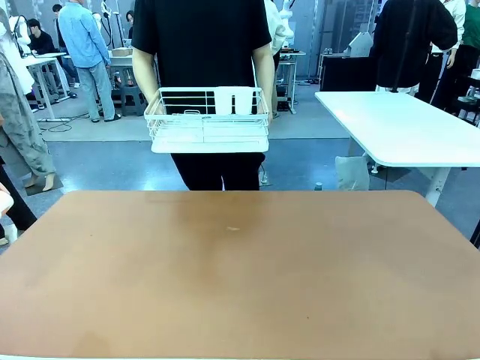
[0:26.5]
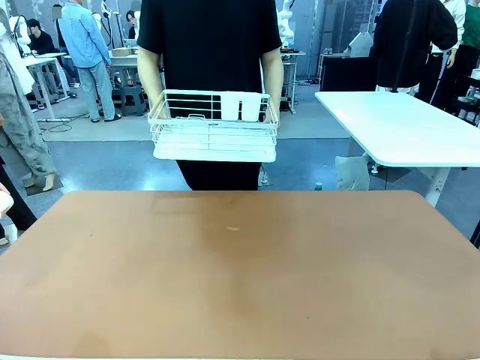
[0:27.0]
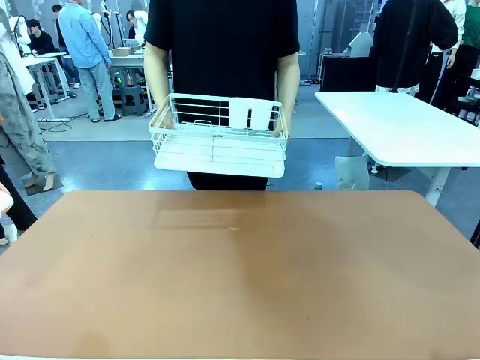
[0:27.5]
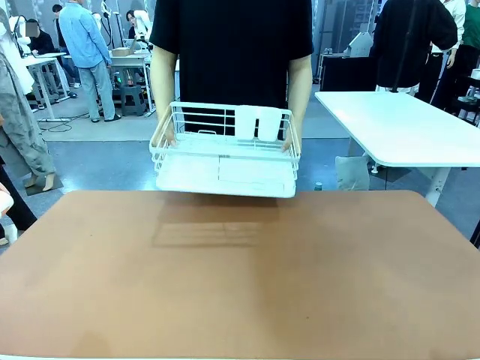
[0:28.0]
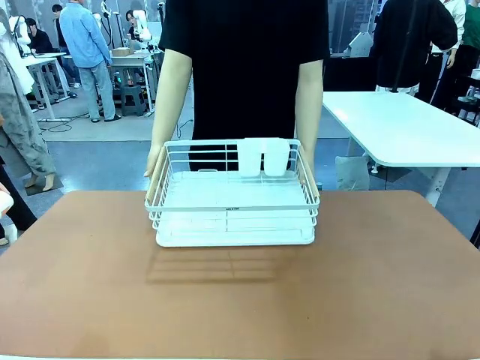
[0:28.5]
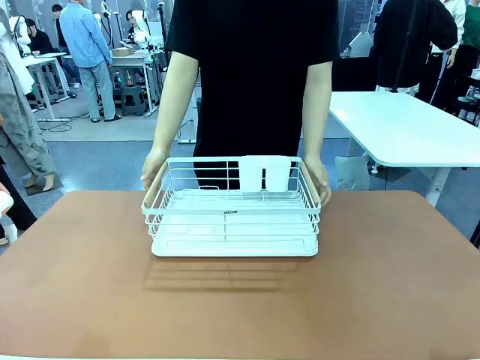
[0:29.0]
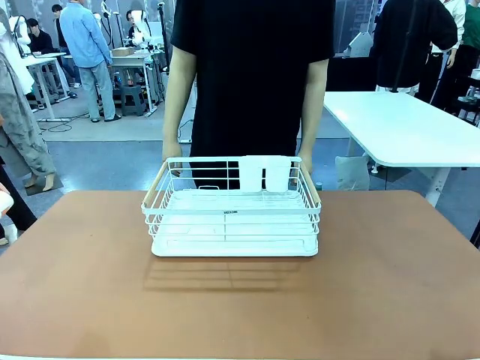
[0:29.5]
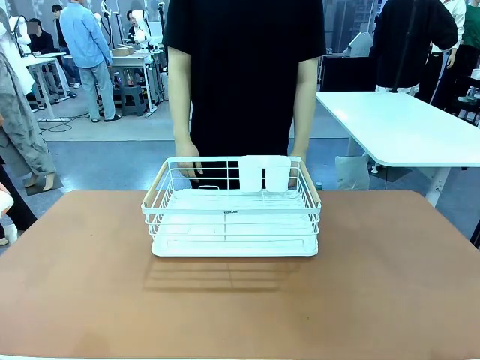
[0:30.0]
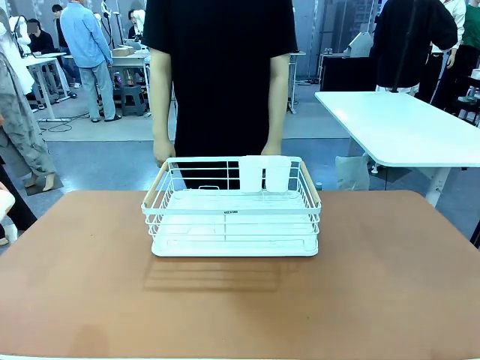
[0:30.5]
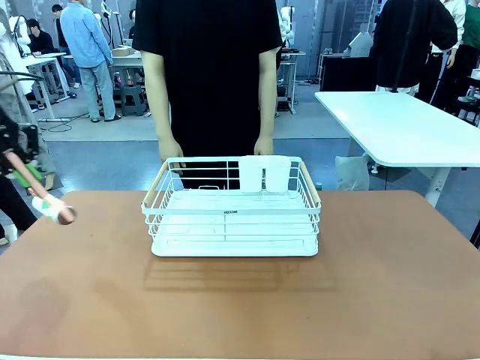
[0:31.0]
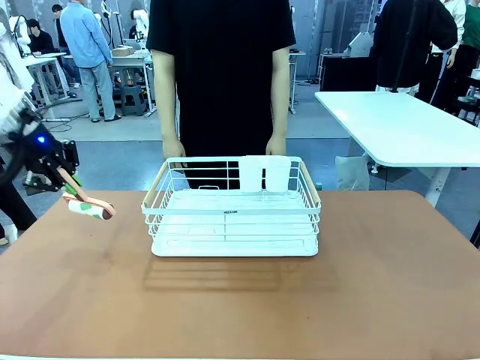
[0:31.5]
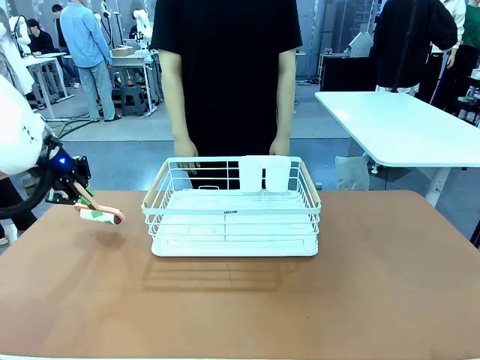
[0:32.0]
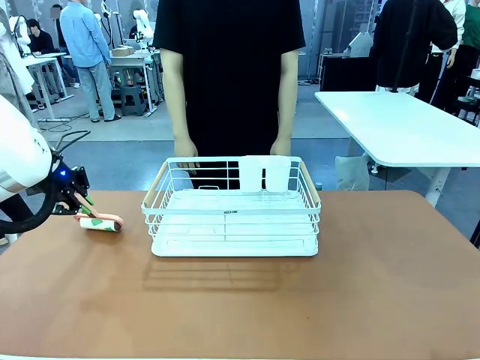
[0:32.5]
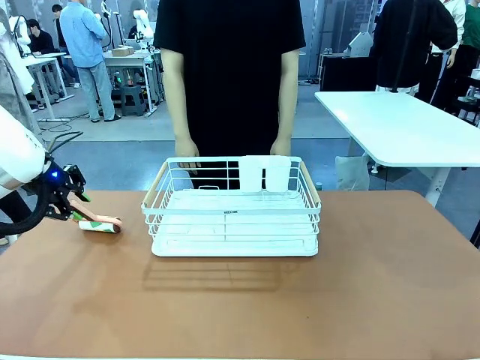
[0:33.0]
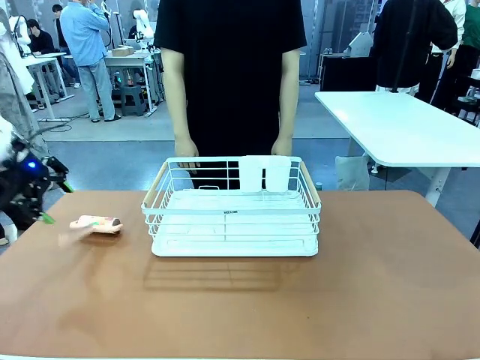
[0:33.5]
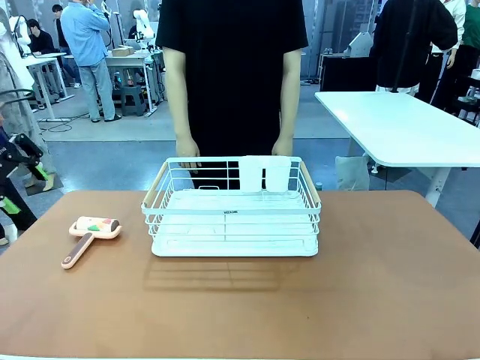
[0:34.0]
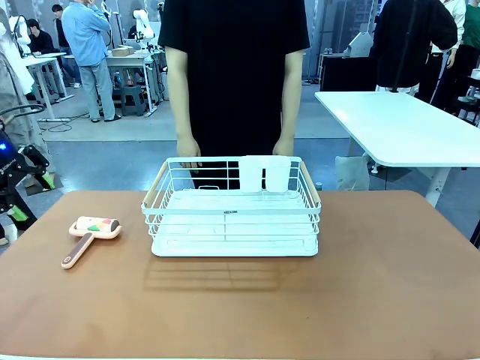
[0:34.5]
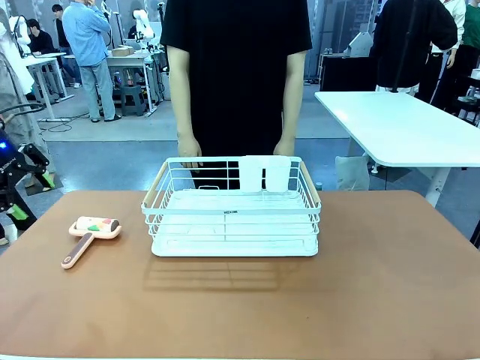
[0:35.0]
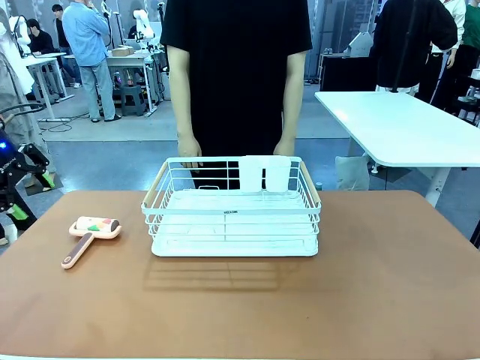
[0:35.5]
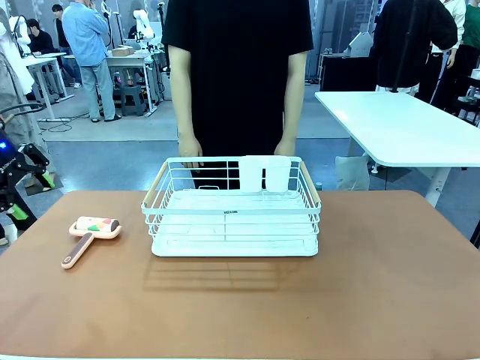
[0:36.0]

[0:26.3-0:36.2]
Task: Clean the table.
Robot: Place the Lint Roller down when the Dish drying rack is positioned in the middle of the table.

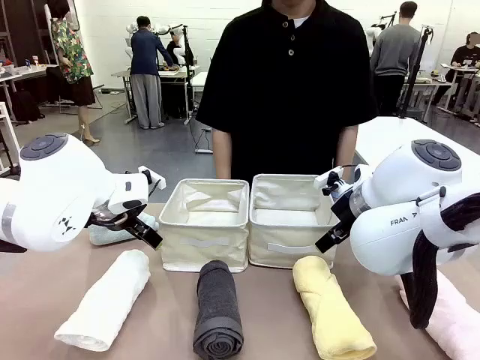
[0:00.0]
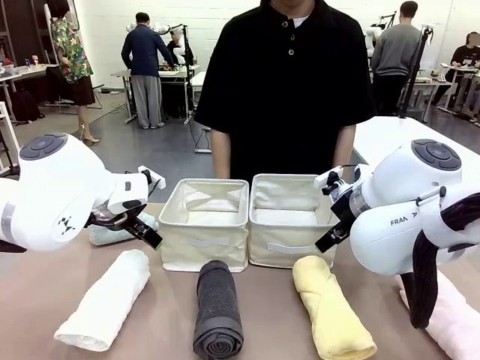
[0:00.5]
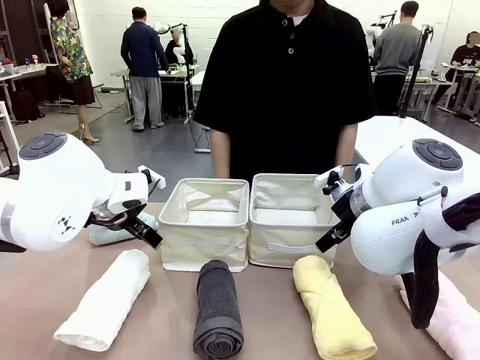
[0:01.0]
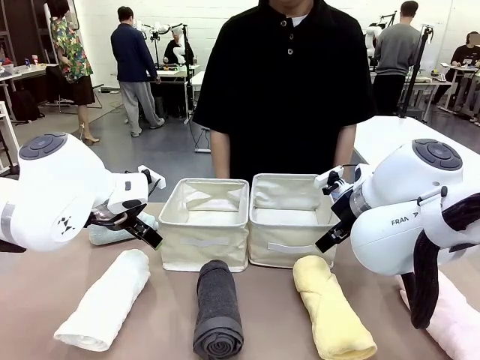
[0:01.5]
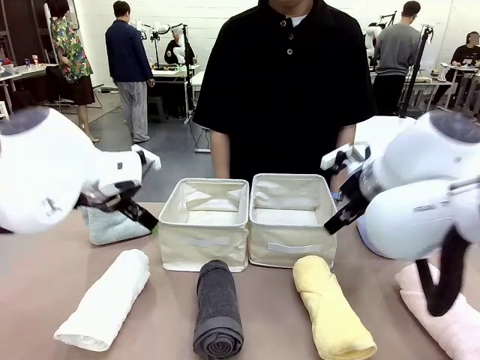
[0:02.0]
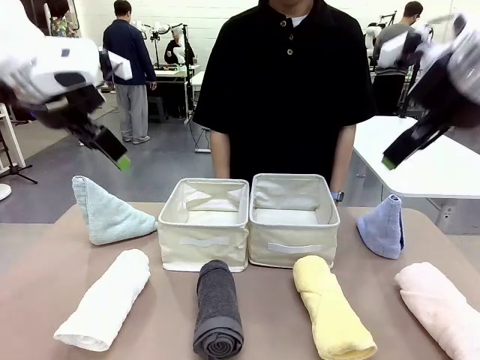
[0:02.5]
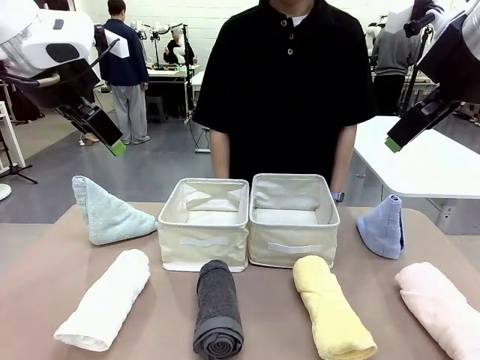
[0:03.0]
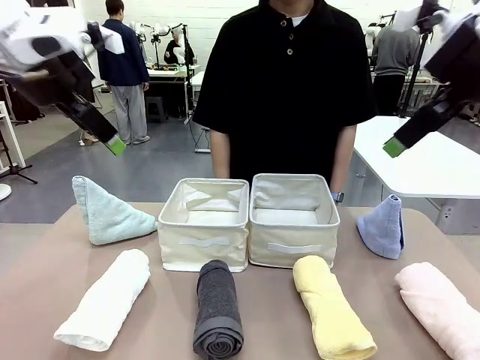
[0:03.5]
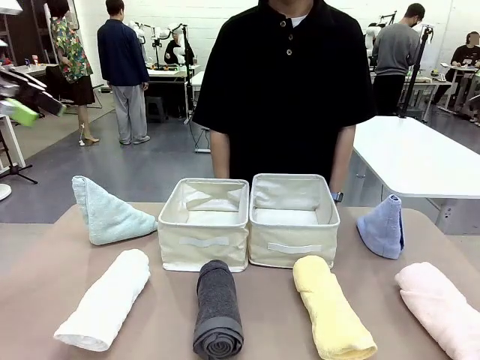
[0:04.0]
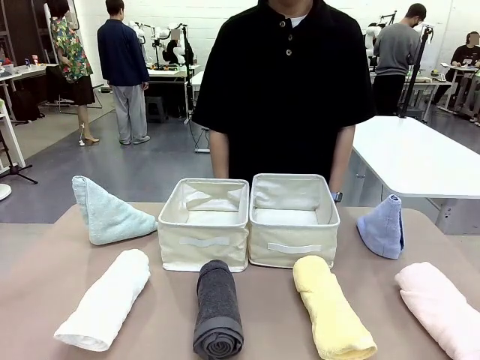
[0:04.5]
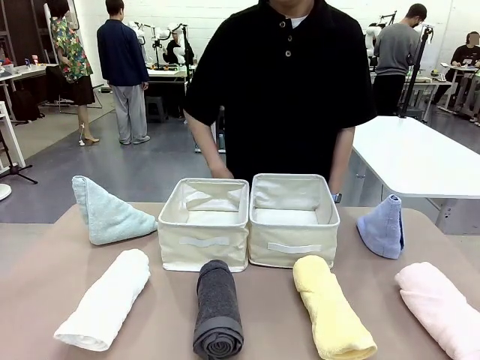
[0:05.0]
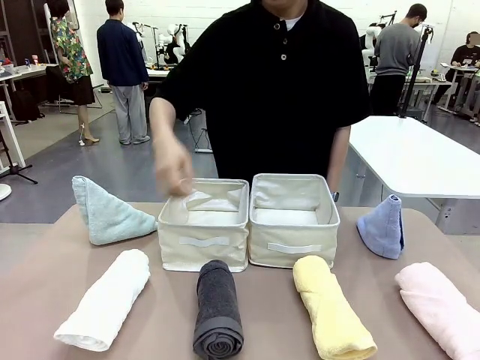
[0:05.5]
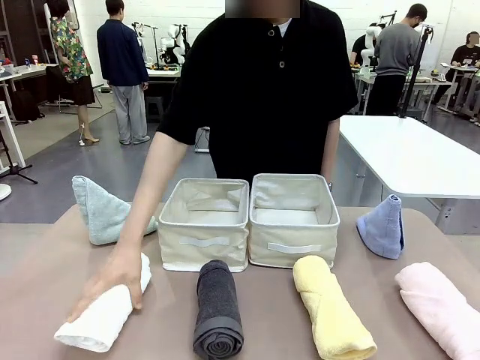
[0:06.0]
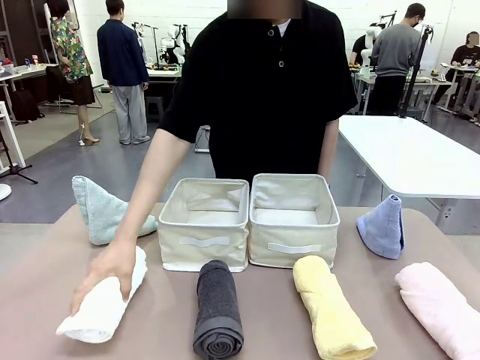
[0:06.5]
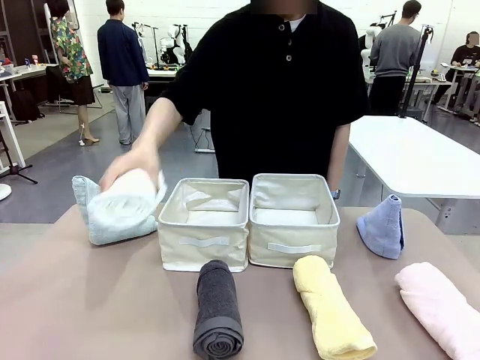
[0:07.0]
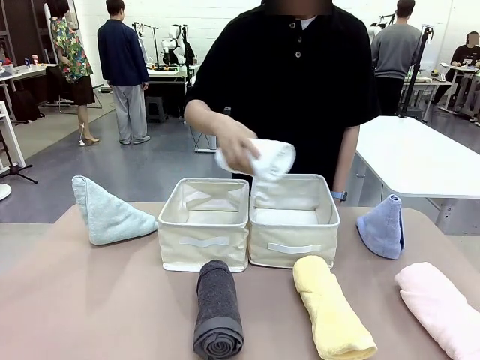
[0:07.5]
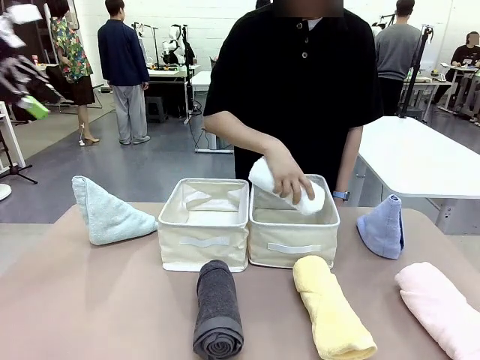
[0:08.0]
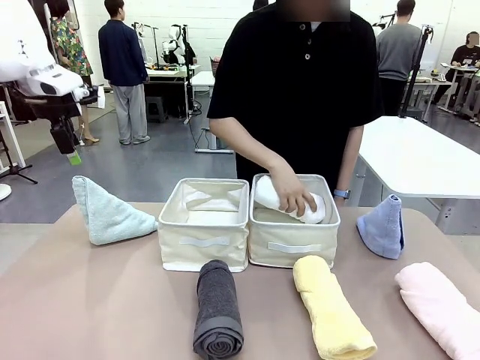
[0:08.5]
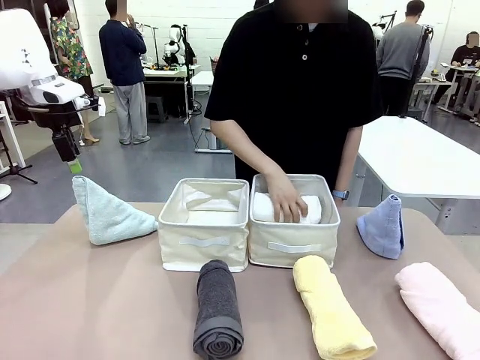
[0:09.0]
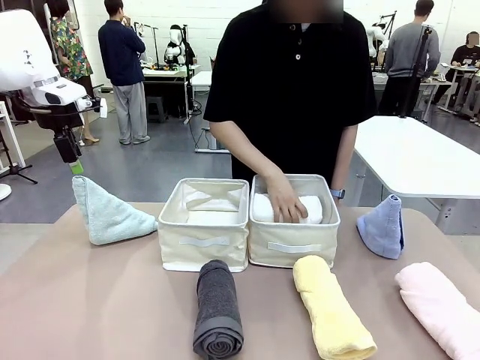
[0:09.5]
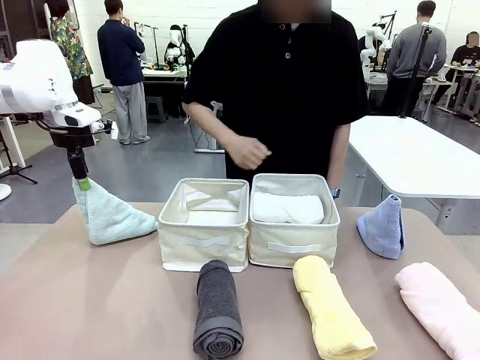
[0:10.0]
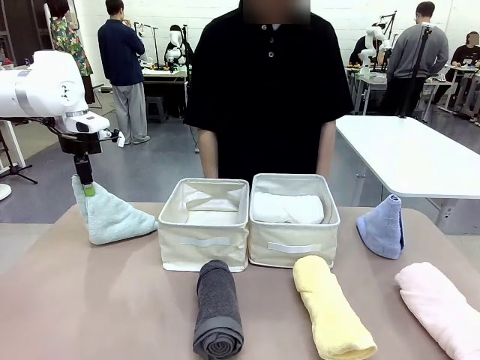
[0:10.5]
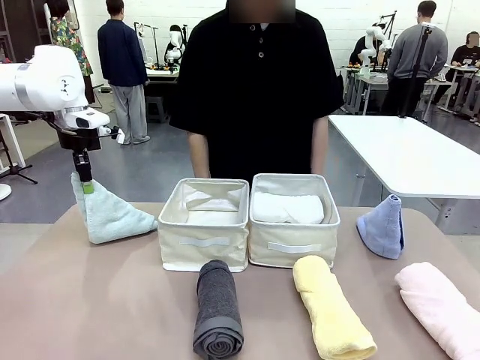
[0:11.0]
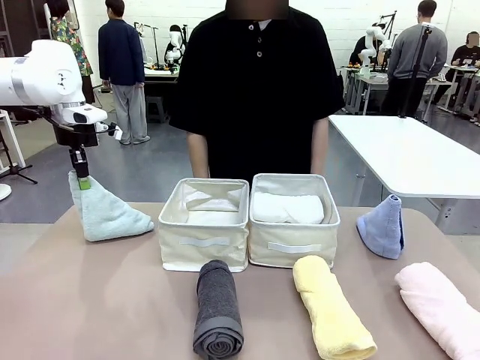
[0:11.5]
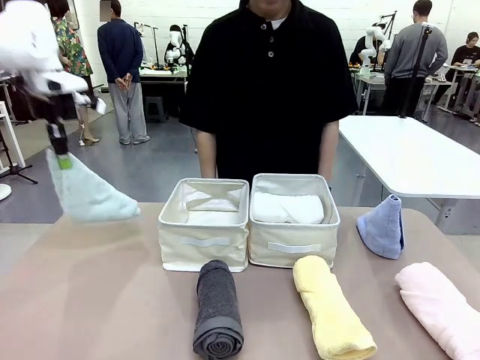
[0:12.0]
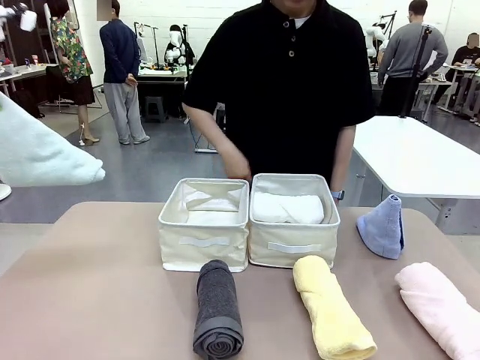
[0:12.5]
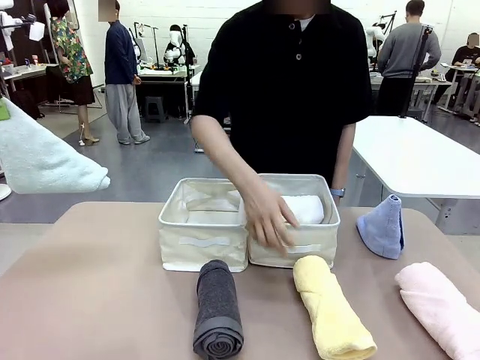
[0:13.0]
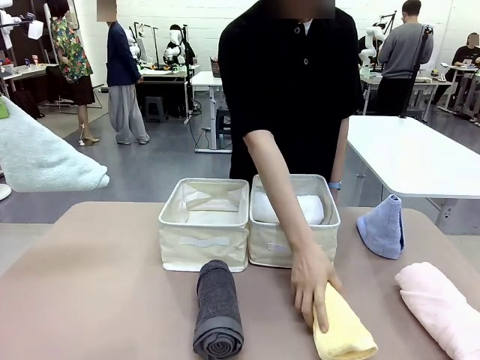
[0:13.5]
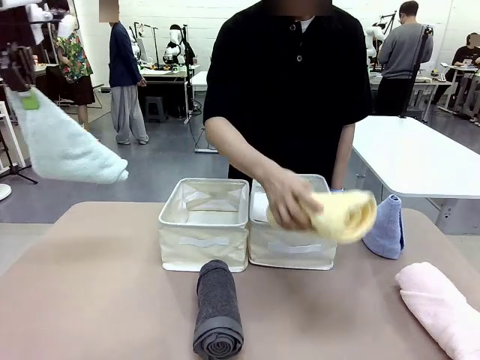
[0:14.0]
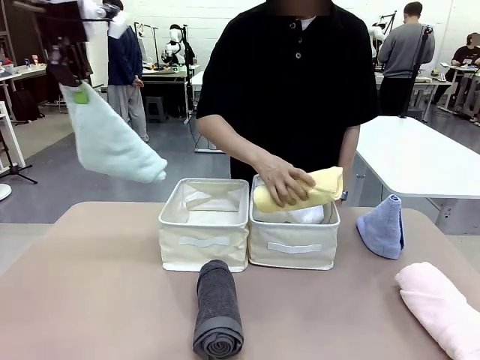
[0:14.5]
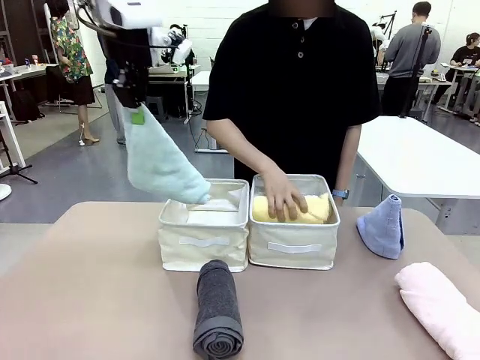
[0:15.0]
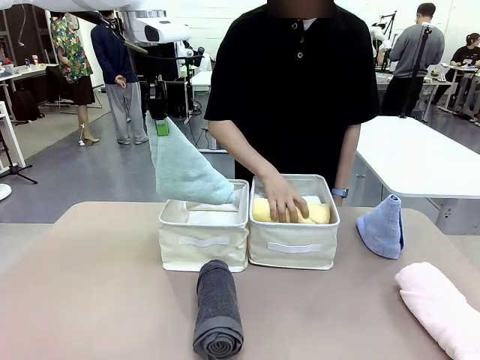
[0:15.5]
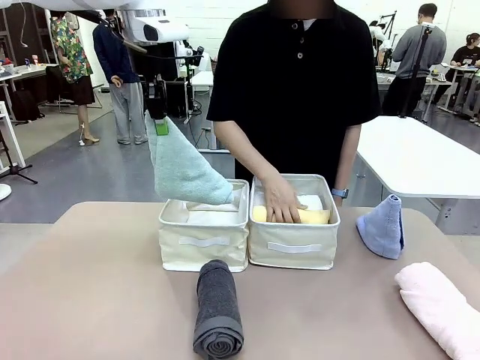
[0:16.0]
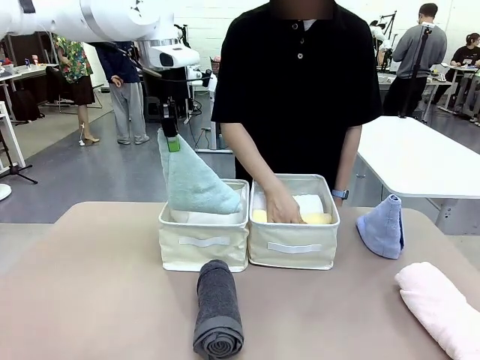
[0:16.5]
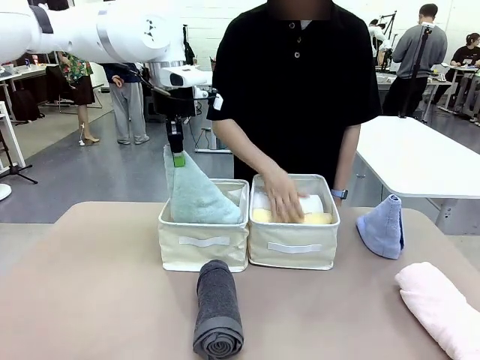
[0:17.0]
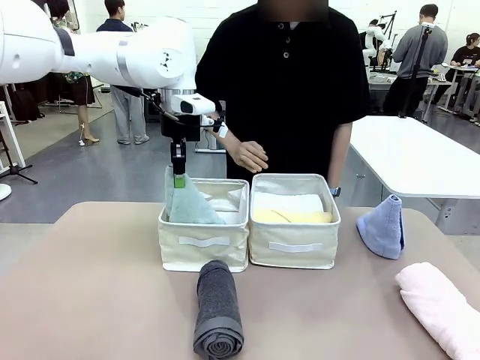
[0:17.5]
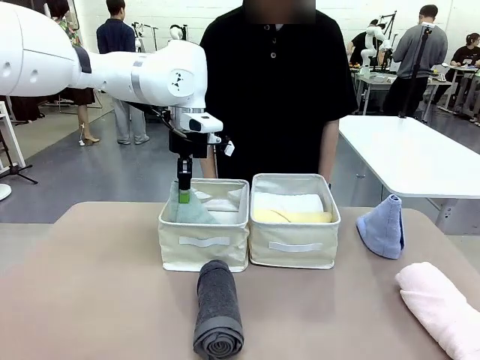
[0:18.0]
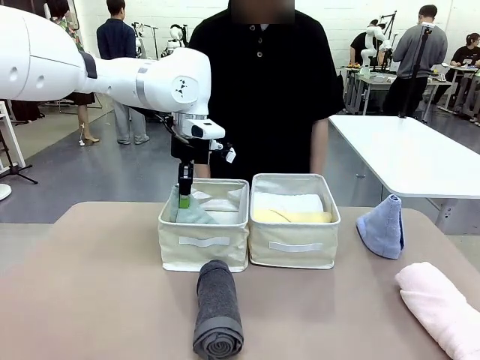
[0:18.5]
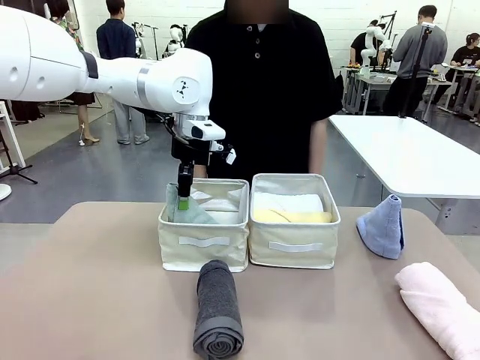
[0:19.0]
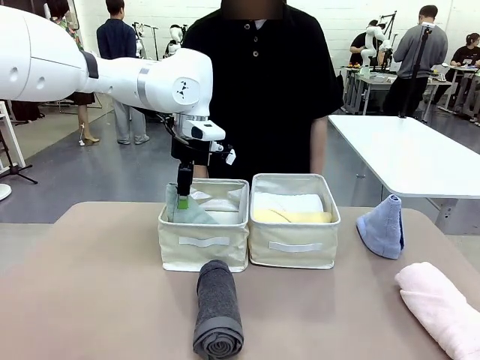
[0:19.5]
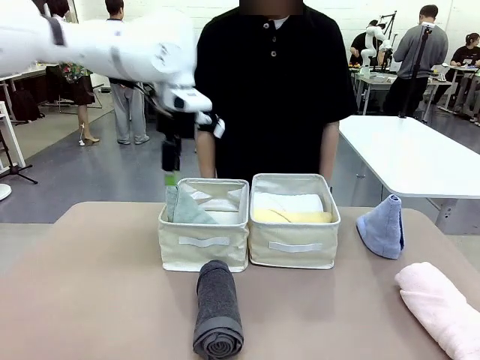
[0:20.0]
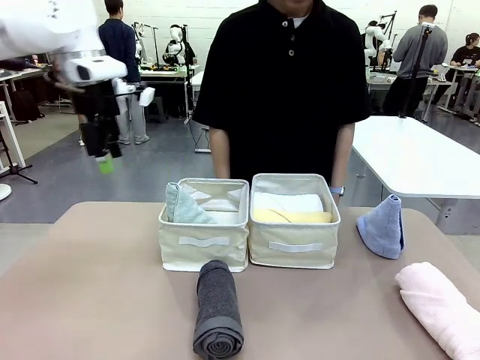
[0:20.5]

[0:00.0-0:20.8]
Task: Sort the towels based on their folding style.
Robot: Pick up one triangle-folded towel and place it in the left Fabric basket.
Person: Pick up one hotel-style rolled towel and place it in the left fabric basket.
